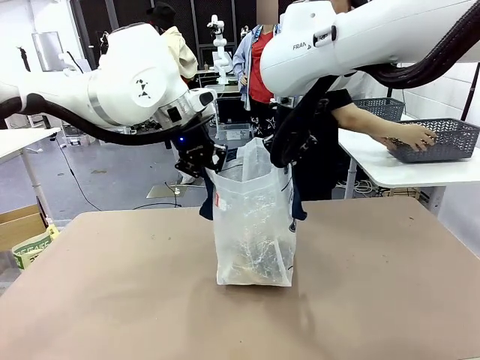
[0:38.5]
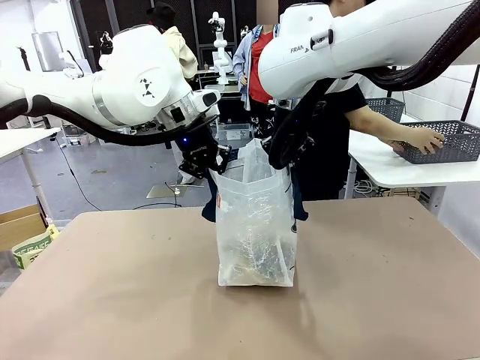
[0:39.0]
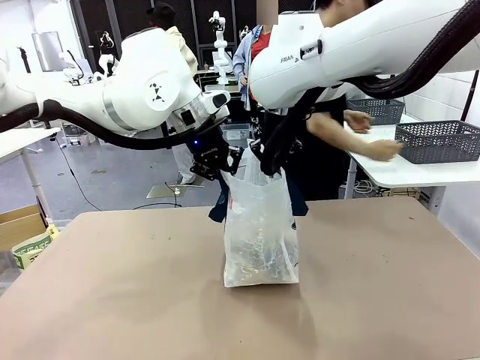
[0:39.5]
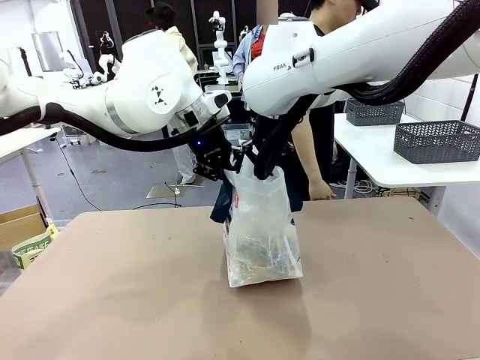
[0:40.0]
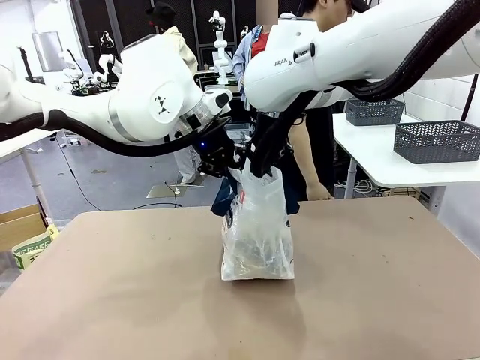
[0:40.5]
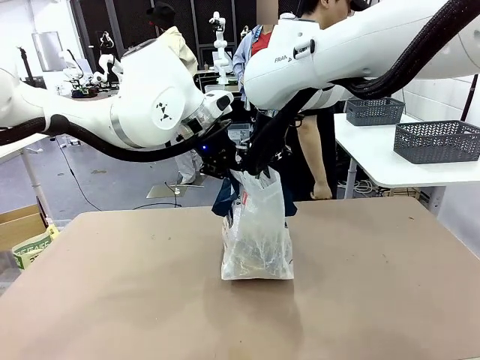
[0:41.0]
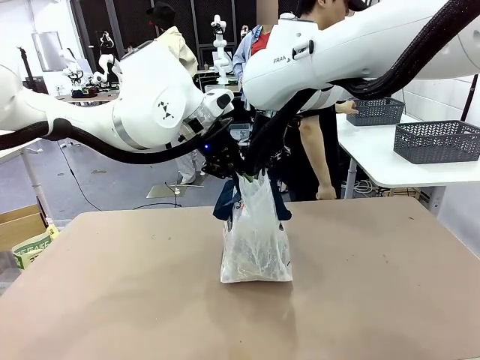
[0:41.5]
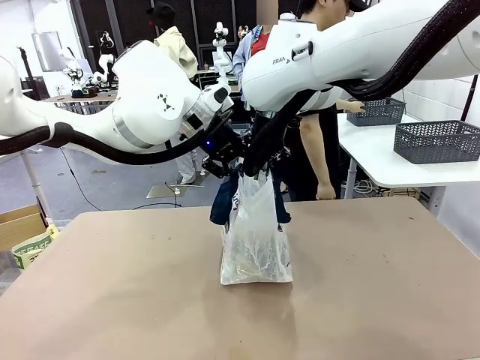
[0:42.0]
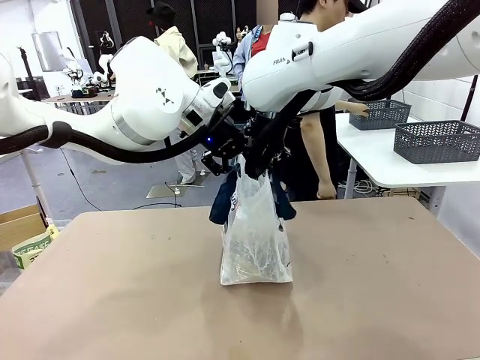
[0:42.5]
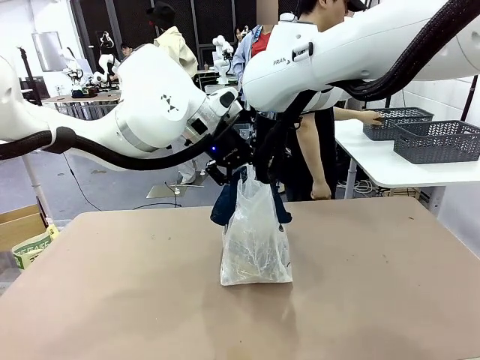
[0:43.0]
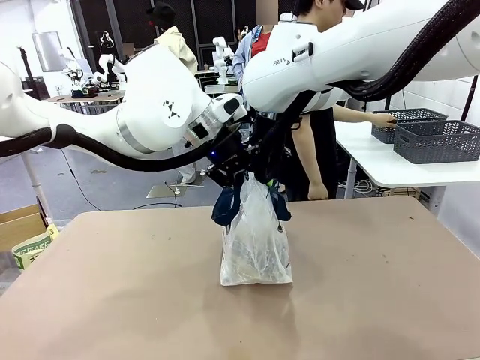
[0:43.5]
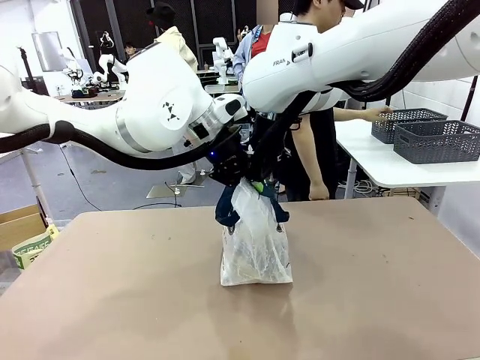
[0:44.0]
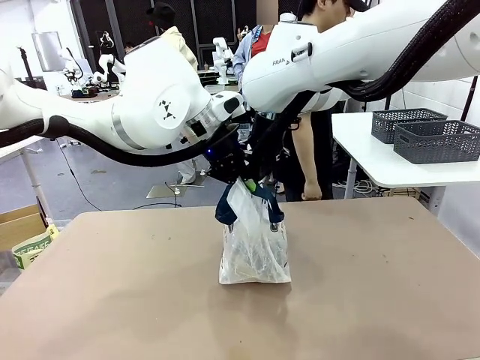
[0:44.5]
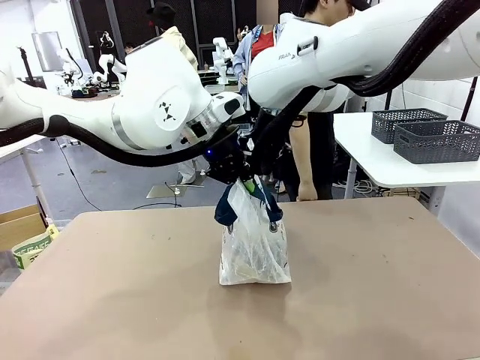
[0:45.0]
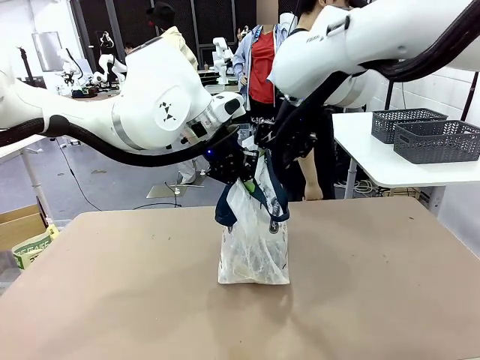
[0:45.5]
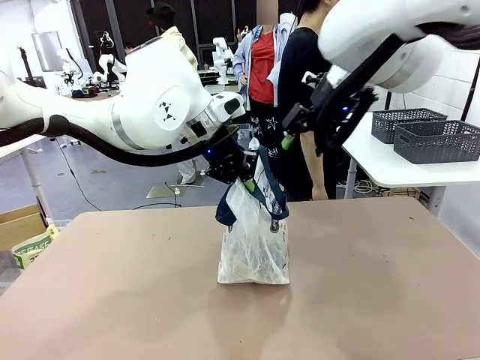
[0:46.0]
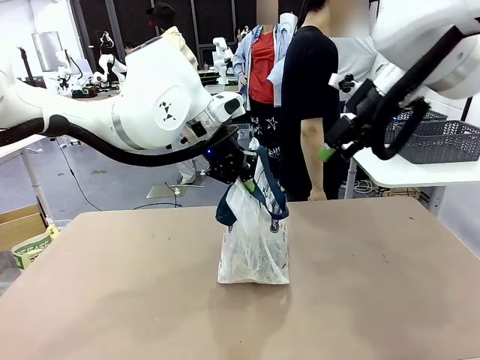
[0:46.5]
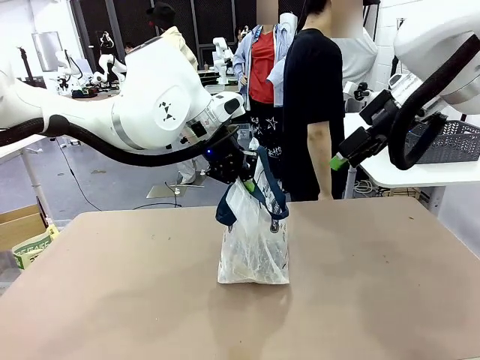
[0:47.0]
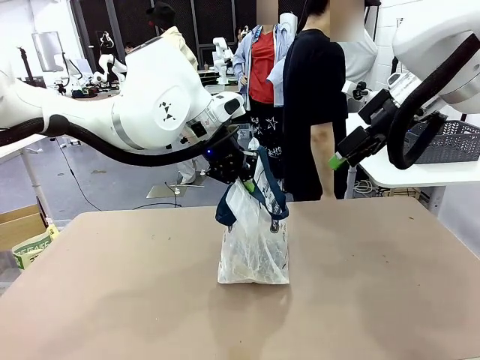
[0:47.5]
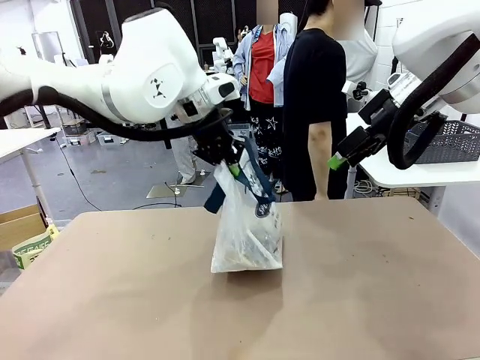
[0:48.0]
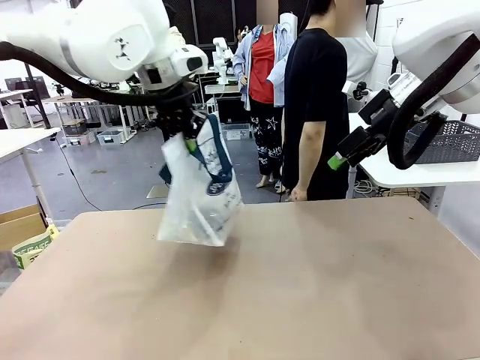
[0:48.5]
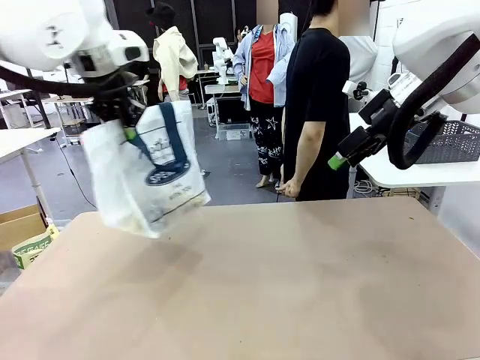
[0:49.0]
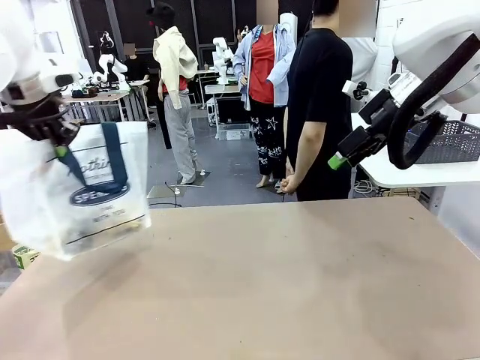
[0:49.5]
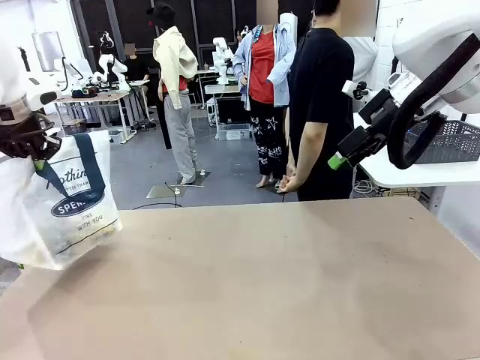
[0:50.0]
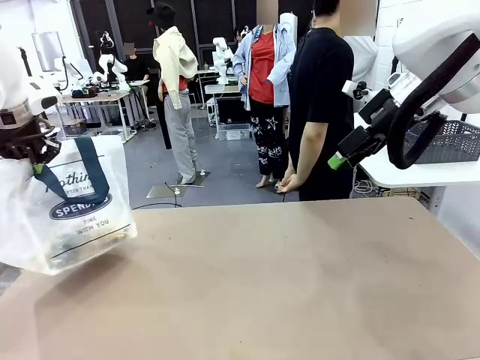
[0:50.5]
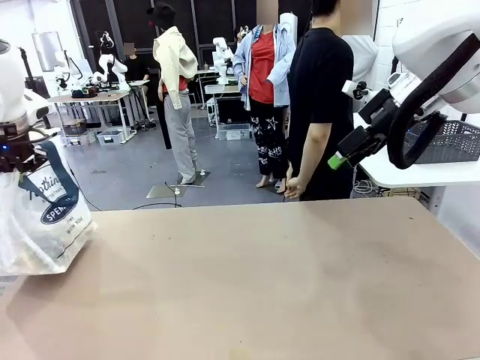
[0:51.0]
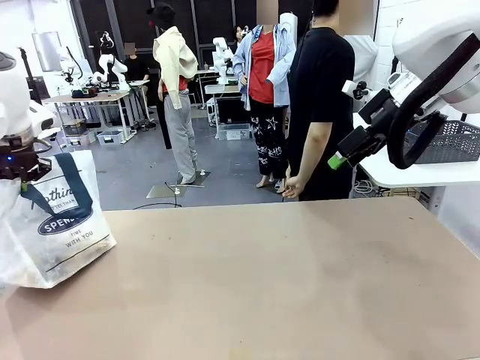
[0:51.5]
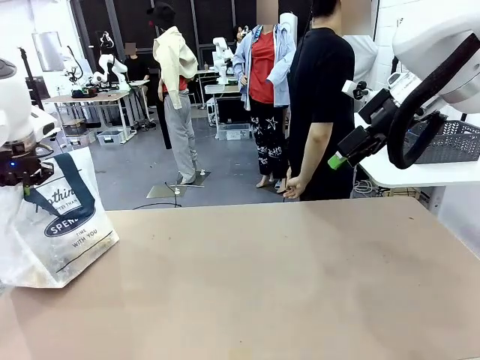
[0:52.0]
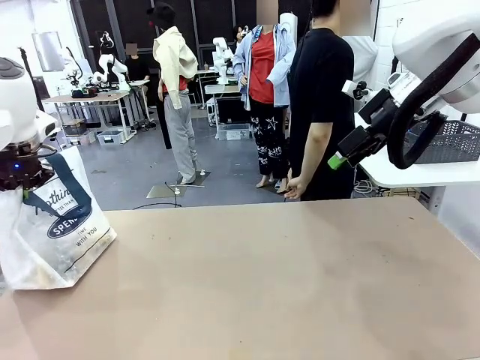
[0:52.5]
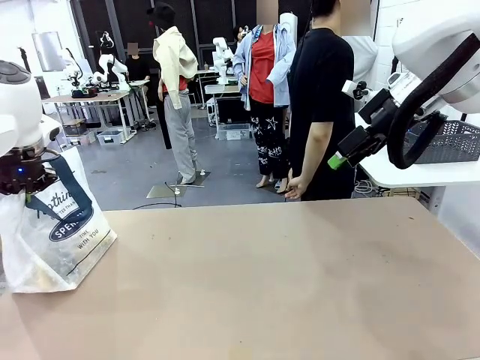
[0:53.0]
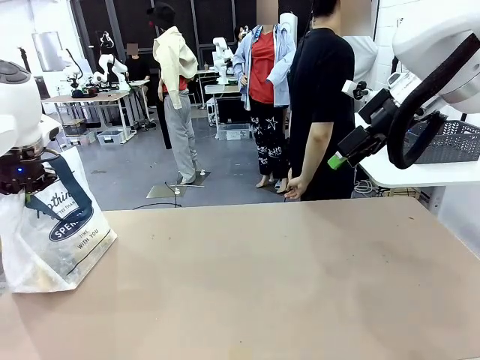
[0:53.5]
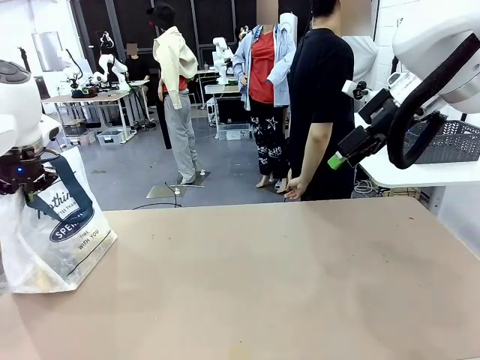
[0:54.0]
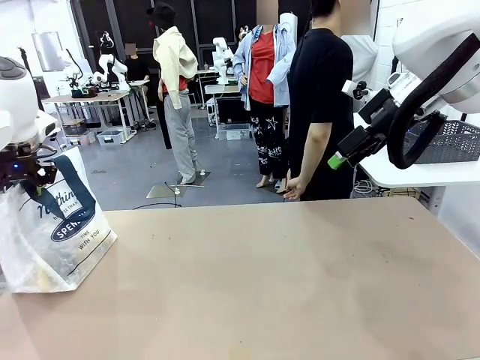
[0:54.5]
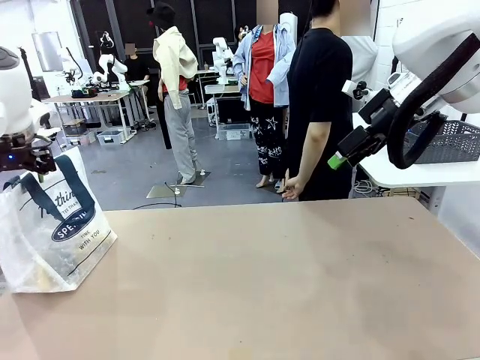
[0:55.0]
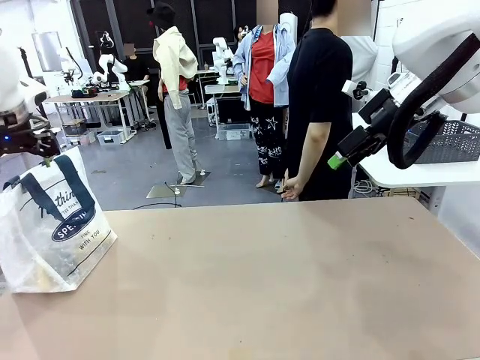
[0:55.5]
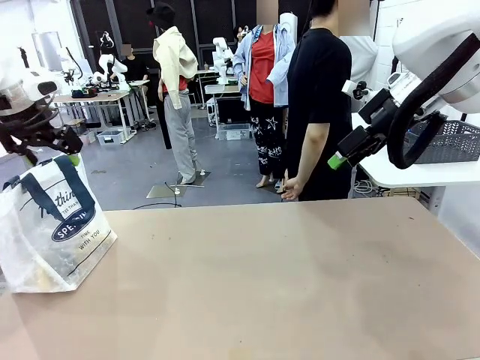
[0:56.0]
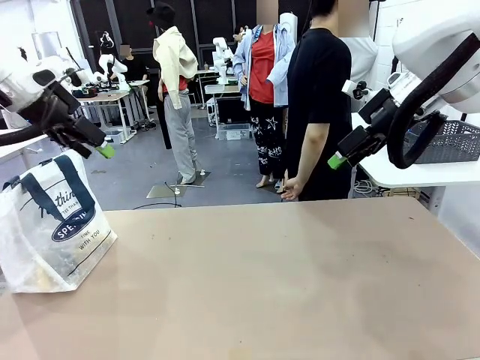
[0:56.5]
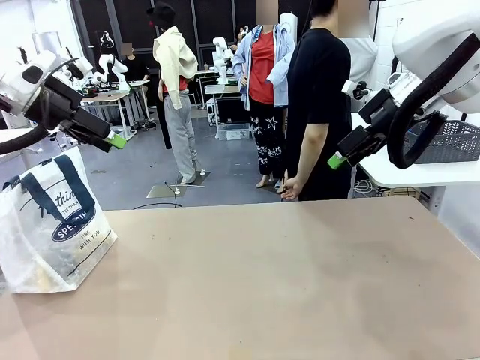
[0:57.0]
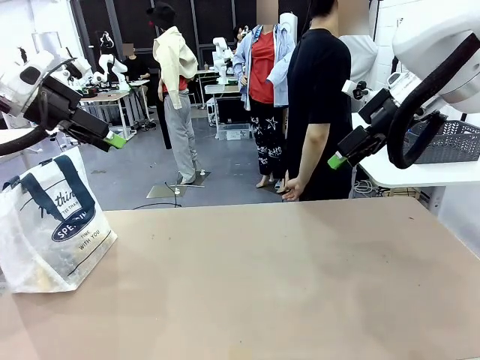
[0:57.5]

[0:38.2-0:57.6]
Task: Transfer purchased items from the store into the shopping bag.
Robot: Move the Reusable shopping bag to the right side of the table.
Person: Move the basket on the left to the middle of the person's table.
